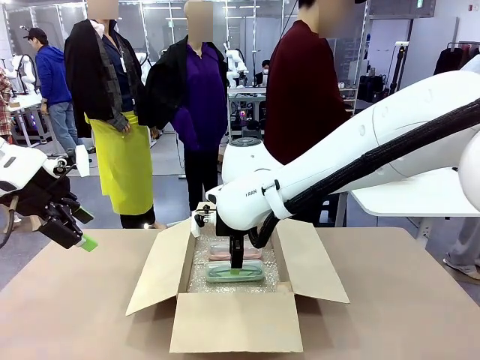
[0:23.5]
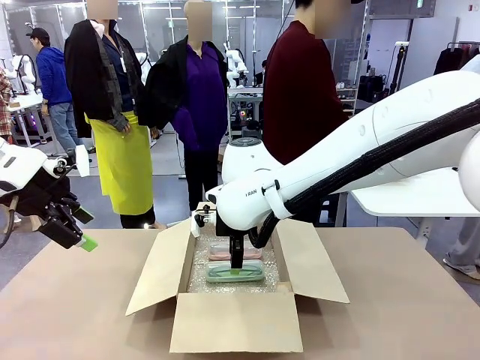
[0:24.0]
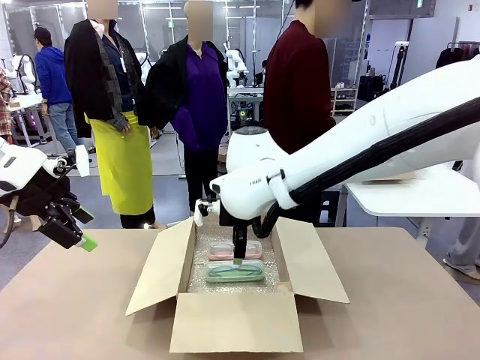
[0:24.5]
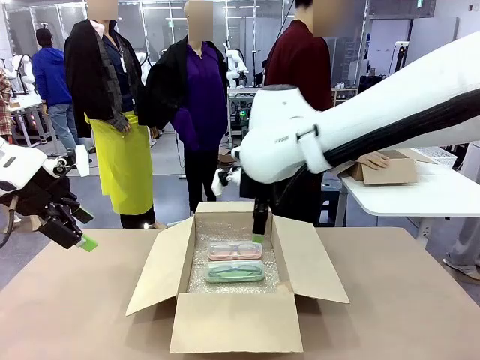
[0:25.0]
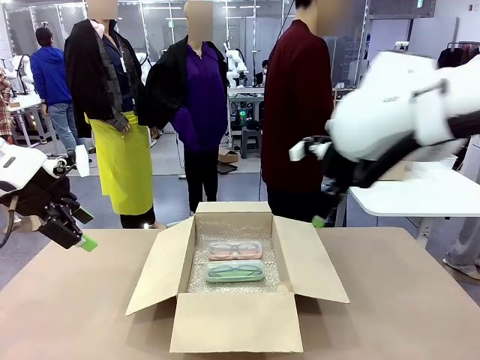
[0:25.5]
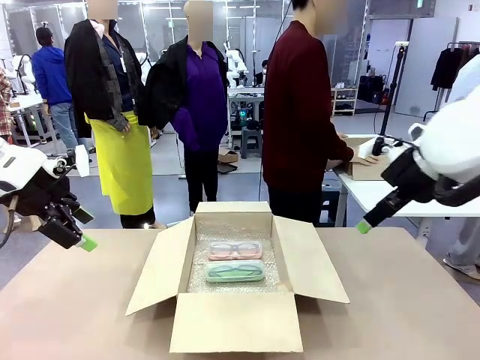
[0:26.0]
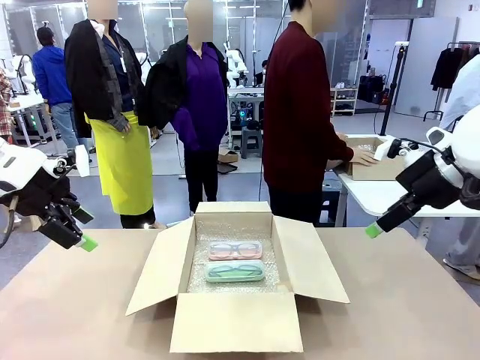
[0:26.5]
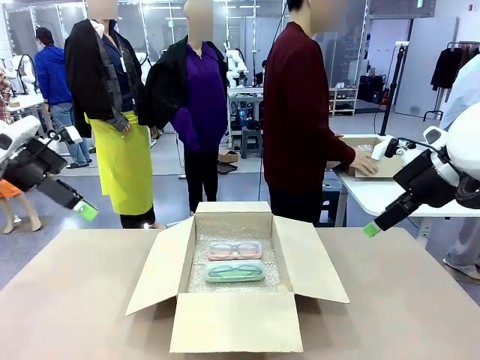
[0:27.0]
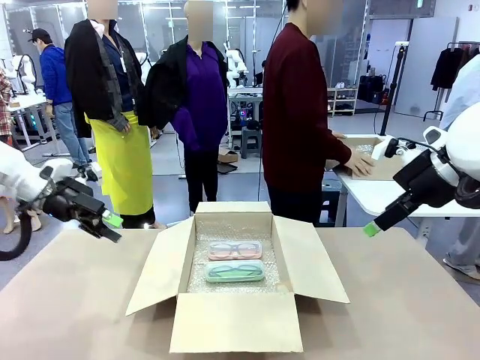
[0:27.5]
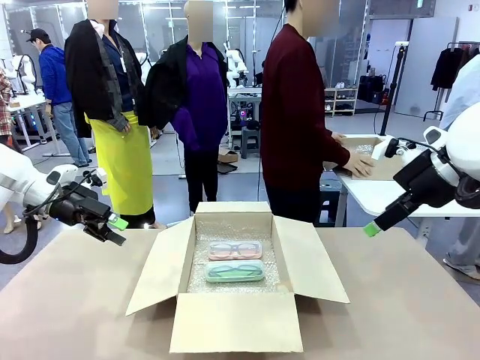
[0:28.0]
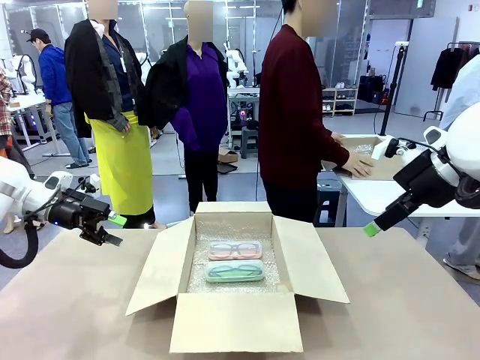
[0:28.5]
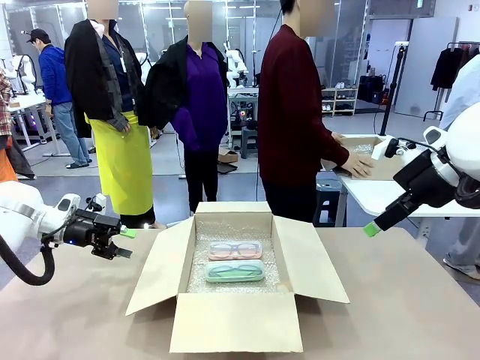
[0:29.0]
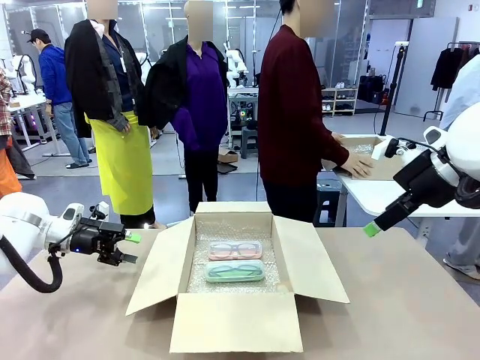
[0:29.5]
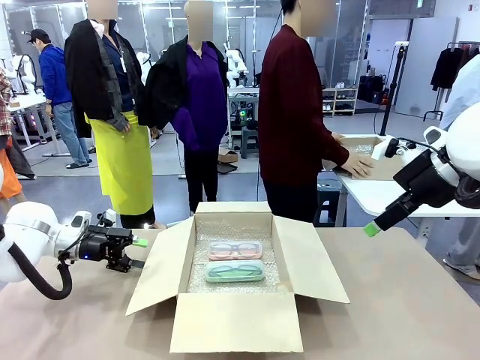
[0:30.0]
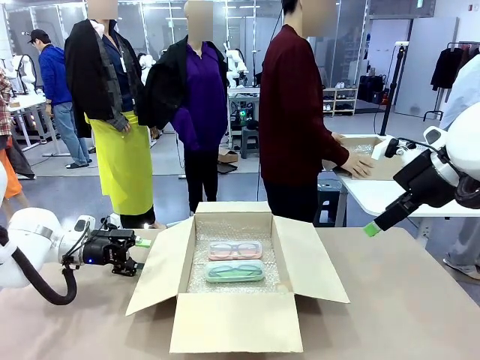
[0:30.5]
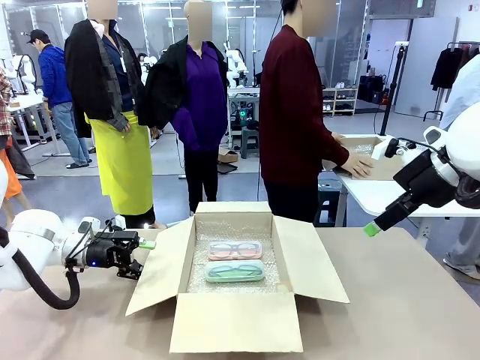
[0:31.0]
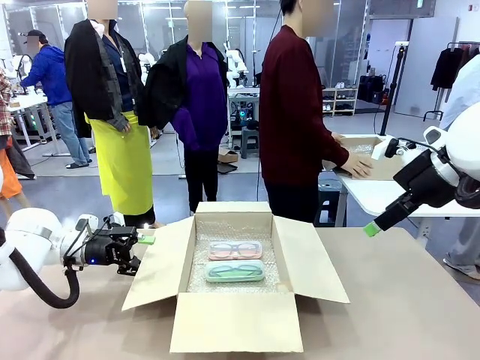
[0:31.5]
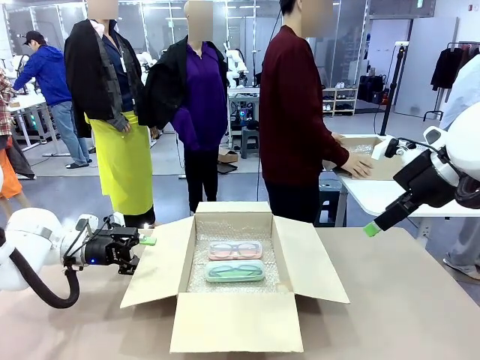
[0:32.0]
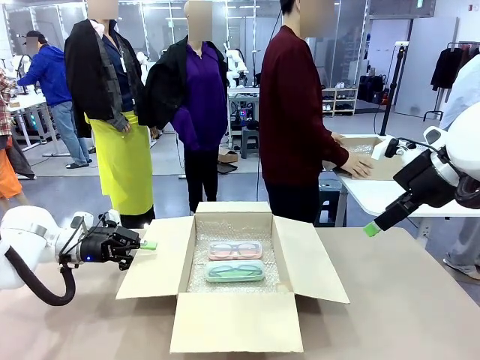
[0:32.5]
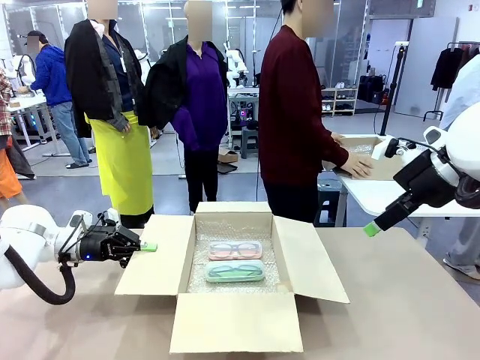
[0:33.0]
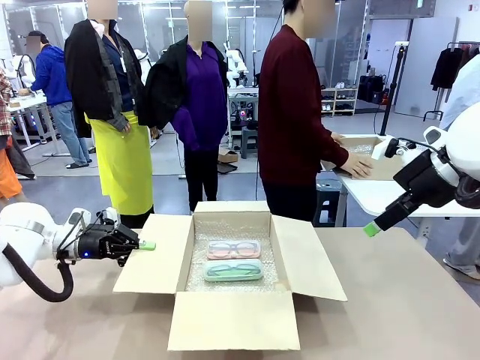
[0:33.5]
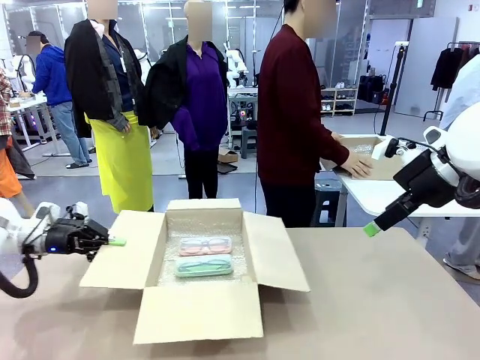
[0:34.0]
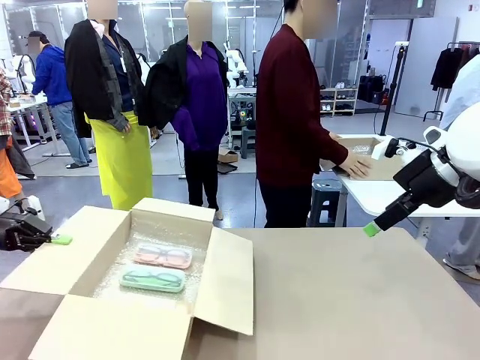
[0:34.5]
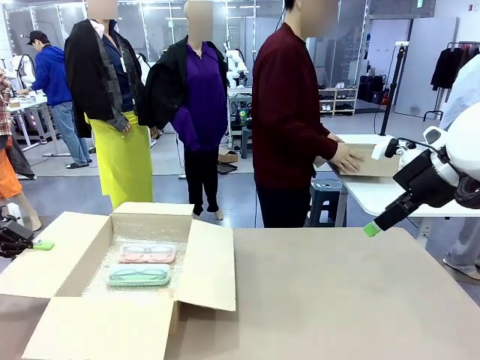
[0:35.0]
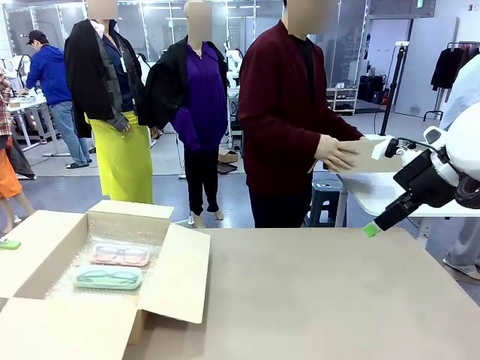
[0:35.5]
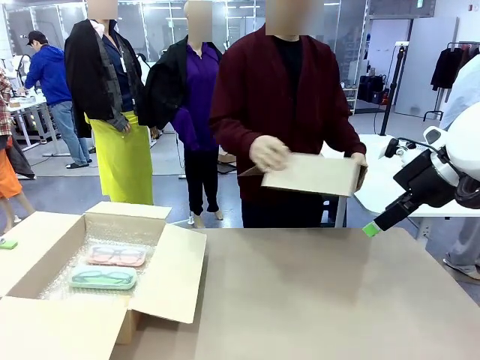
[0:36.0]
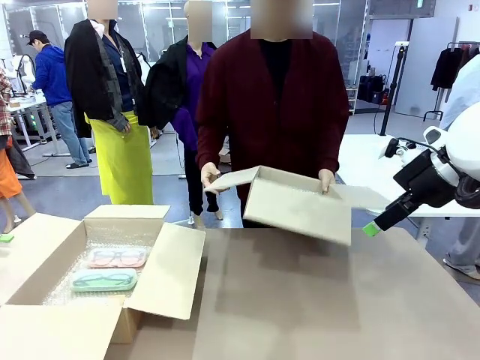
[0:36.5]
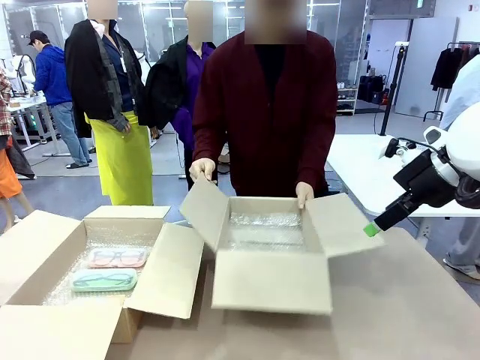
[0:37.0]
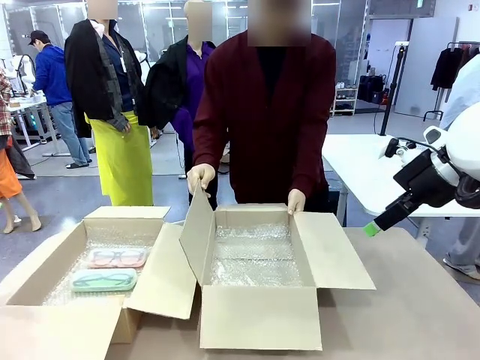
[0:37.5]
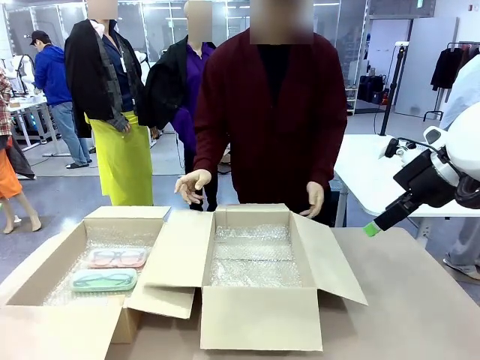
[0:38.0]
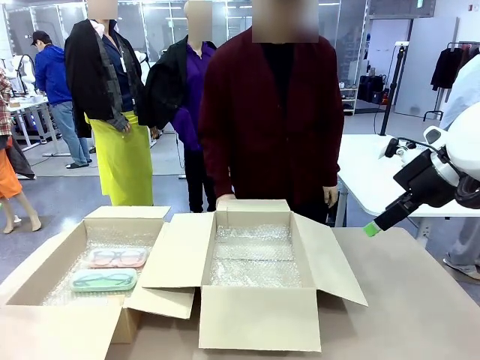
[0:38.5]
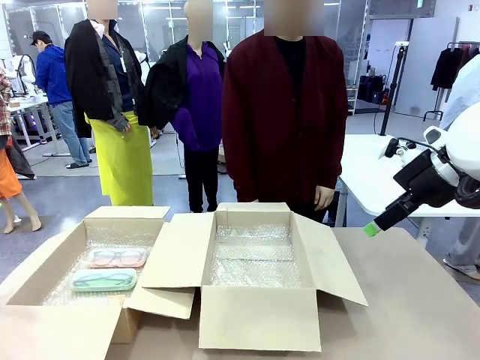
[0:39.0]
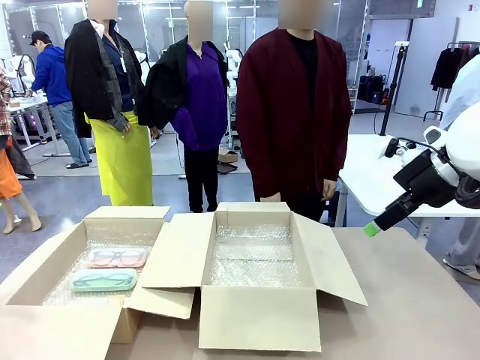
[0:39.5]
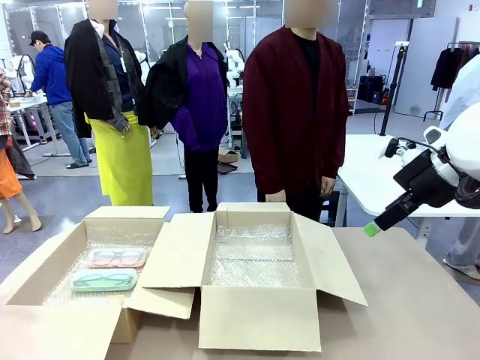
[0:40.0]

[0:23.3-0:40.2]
Task: Pack the glasses set securely to prepare it for shipping.
Robot: Position the Package Box on the left side of the table.
Person: Position the empty Package Box in the middle of the robot's table.

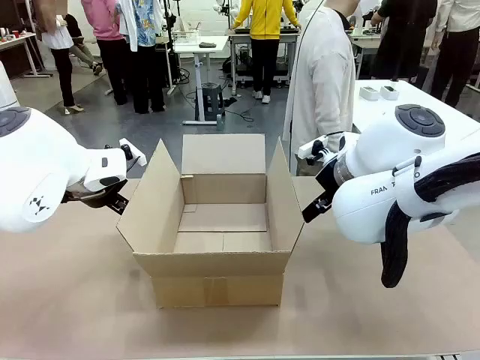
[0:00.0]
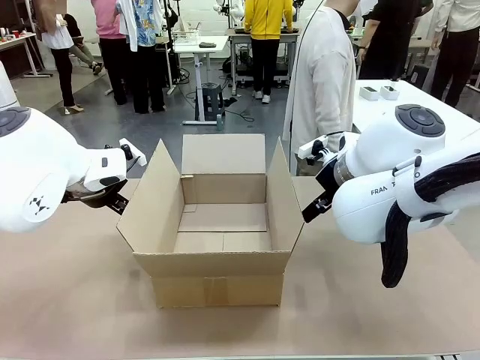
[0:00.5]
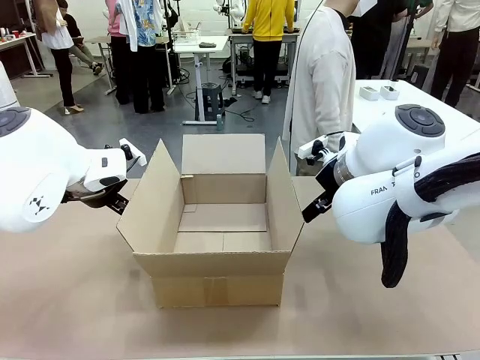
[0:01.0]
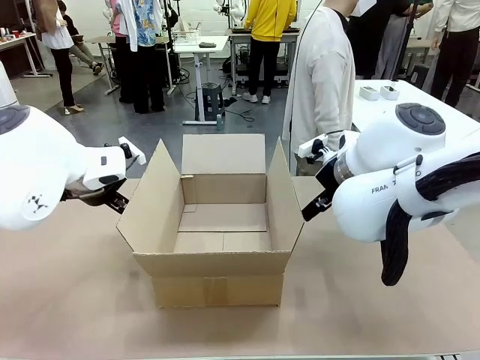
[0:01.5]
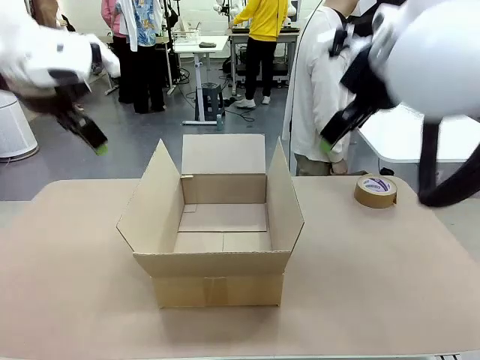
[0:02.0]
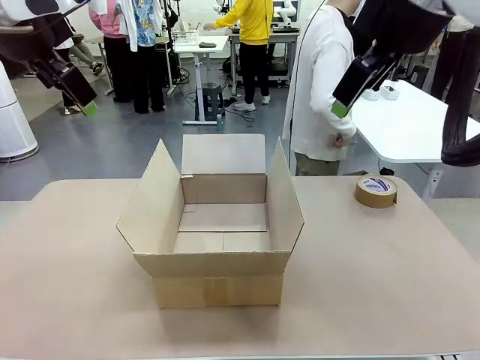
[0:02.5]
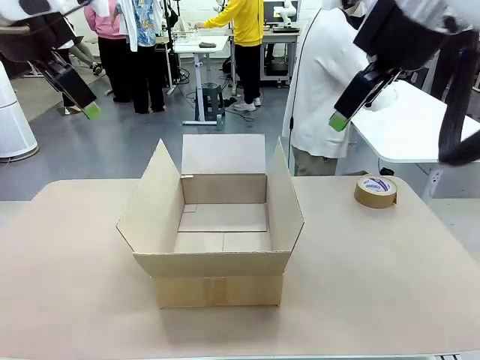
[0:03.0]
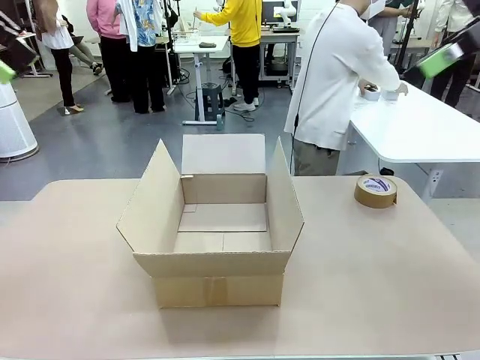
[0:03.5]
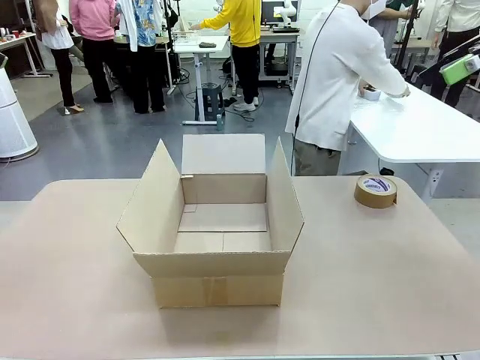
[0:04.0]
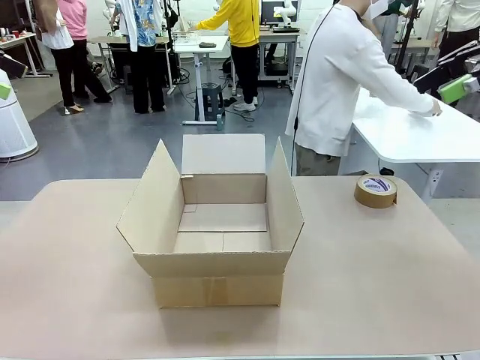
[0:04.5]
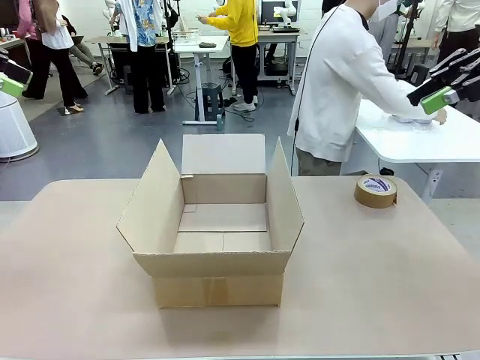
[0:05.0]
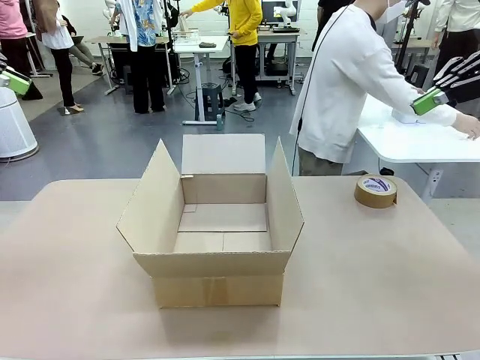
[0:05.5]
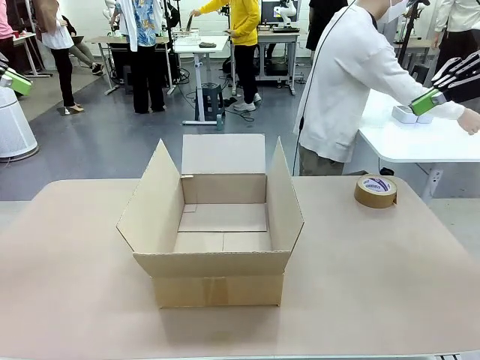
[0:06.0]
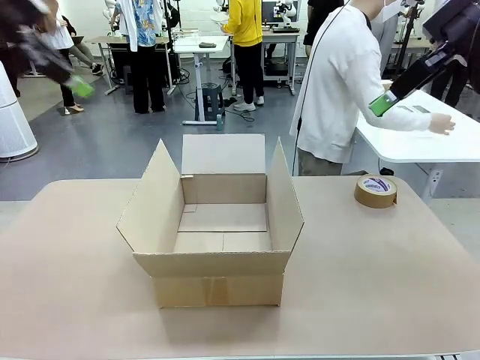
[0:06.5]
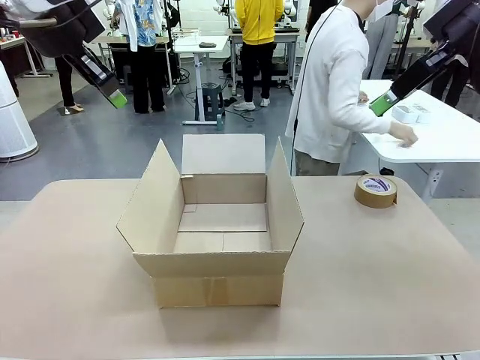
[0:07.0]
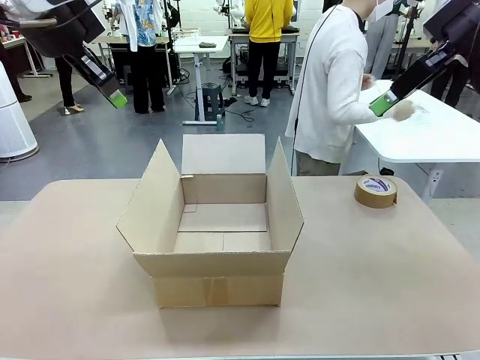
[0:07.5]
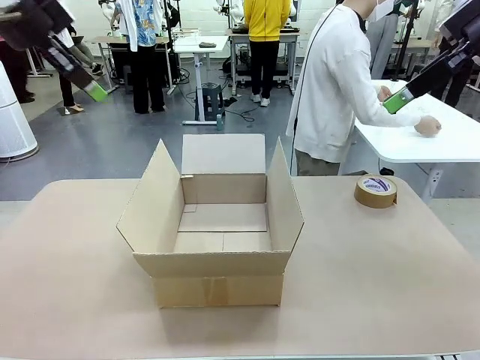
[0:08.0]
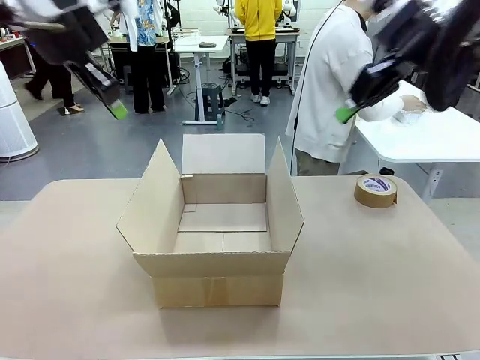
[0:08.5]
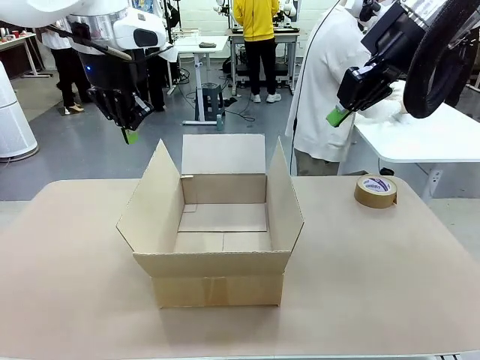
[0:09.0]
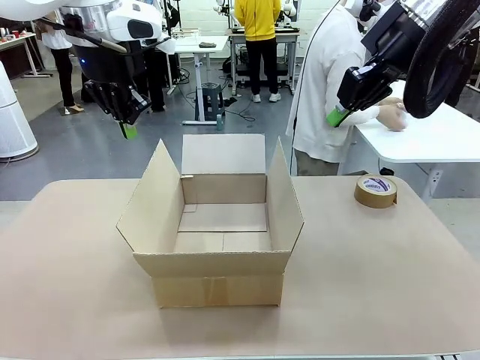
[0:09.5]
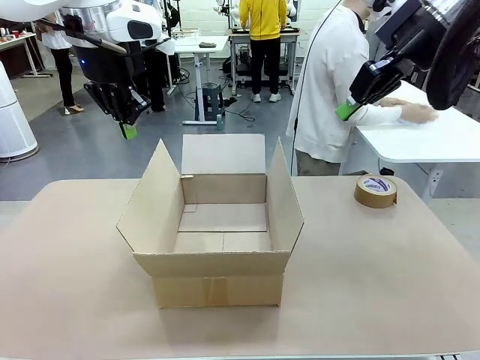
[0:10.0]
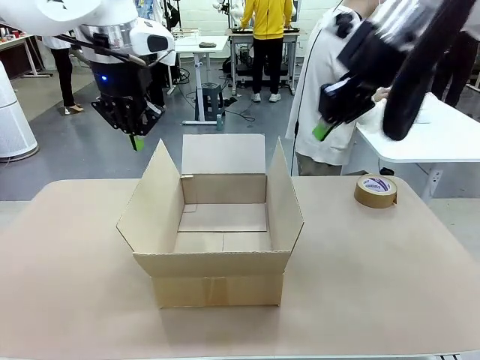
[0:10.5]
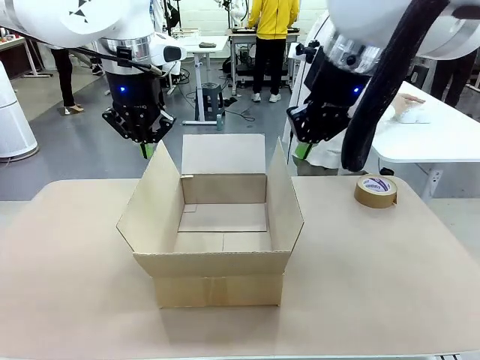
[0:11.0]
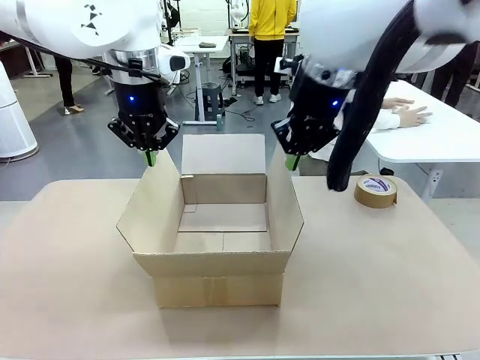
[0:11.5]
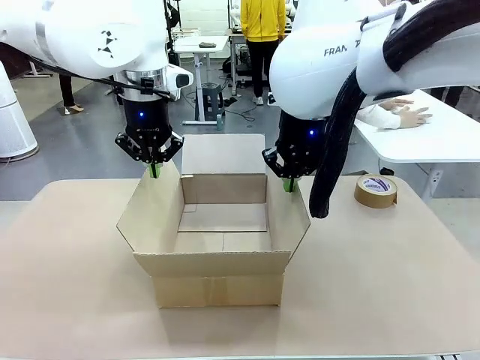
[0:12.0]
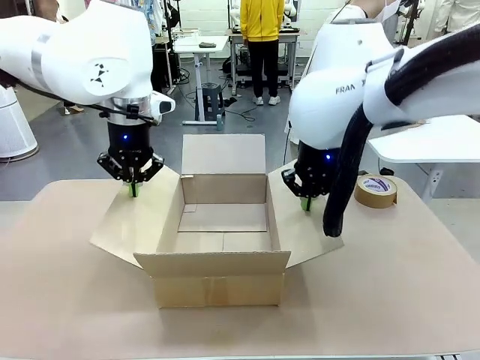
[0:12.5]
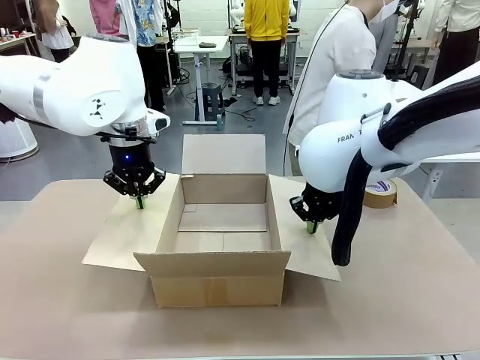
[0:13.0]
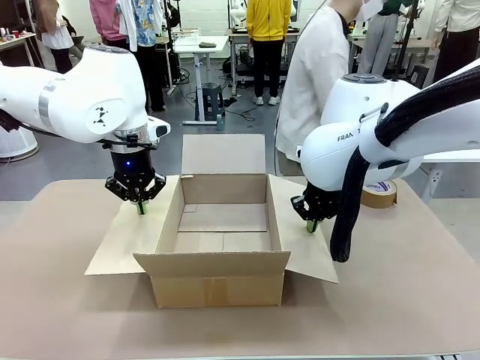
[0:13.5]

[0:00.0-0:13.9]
Task: Wrap the clocks to prevent damage.
Robot: Open the side flaps of the Package Box.
Person: Wrap the two Digital clocks with Bubble Wrap.
